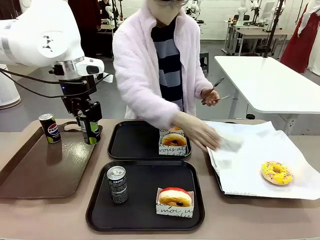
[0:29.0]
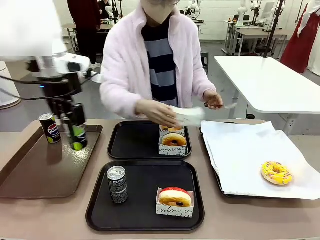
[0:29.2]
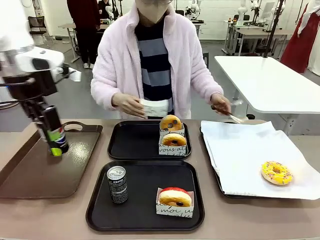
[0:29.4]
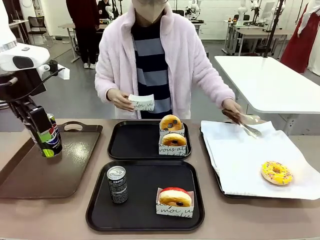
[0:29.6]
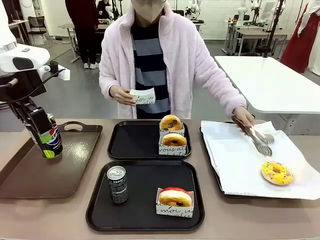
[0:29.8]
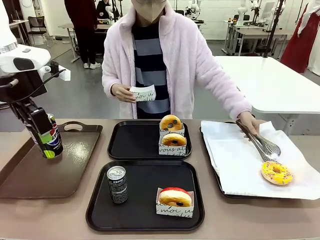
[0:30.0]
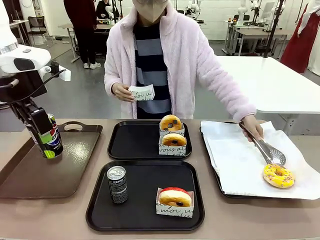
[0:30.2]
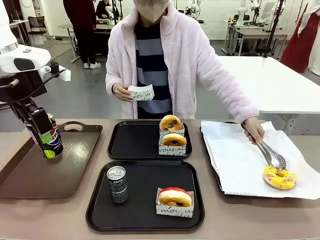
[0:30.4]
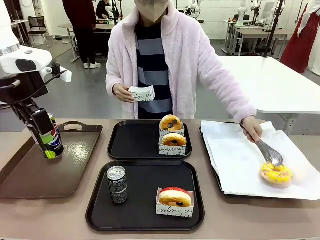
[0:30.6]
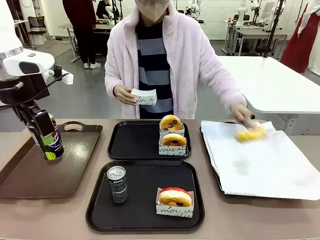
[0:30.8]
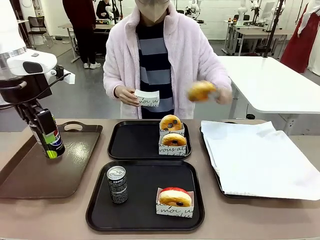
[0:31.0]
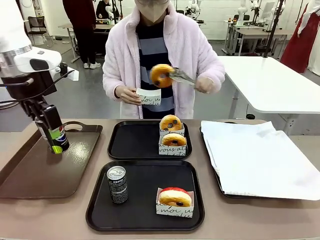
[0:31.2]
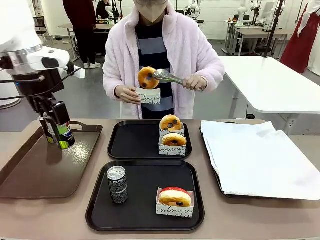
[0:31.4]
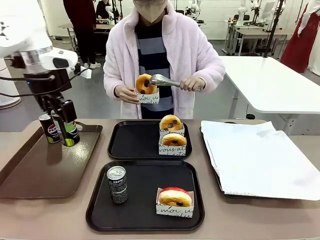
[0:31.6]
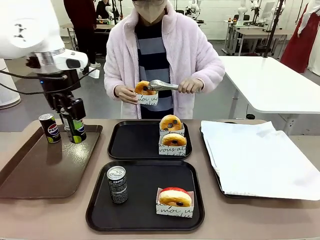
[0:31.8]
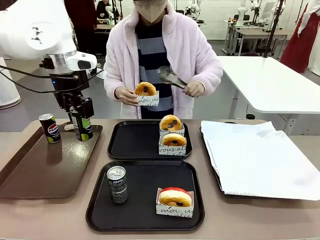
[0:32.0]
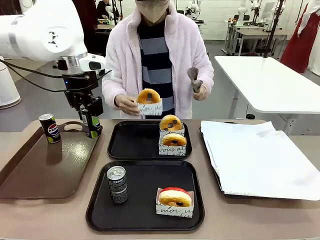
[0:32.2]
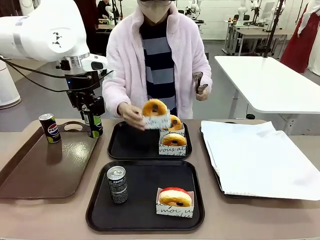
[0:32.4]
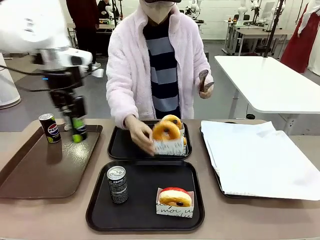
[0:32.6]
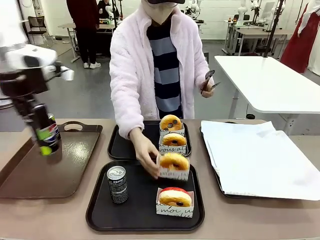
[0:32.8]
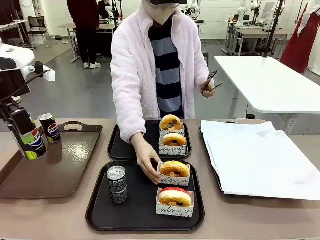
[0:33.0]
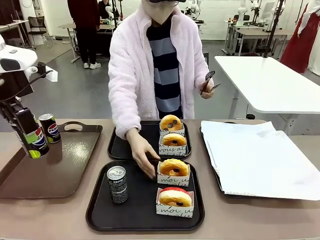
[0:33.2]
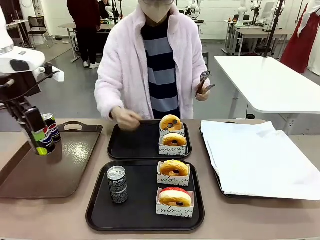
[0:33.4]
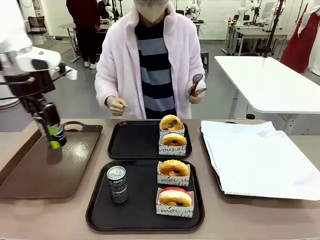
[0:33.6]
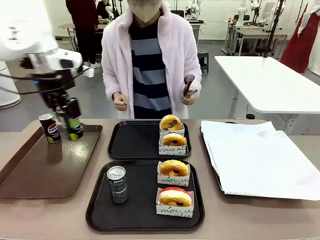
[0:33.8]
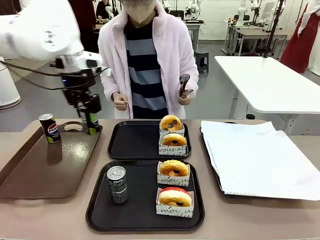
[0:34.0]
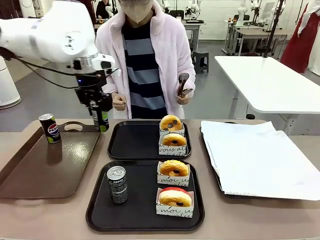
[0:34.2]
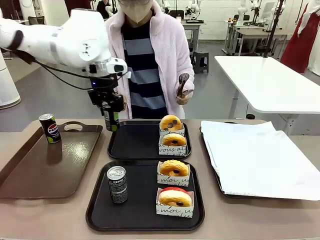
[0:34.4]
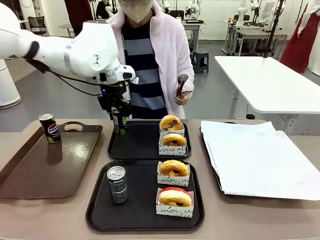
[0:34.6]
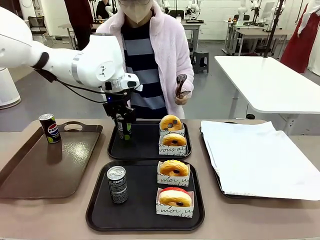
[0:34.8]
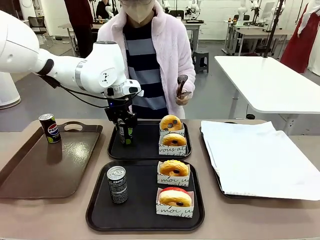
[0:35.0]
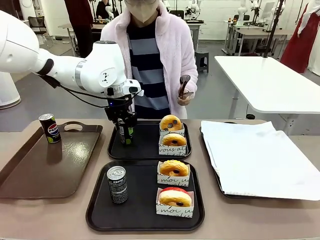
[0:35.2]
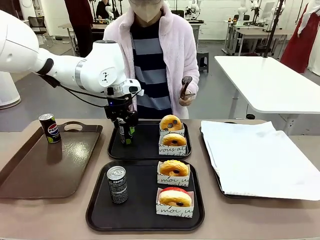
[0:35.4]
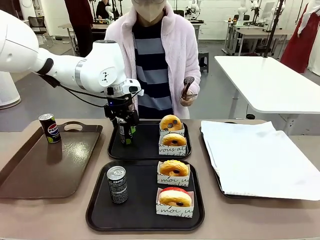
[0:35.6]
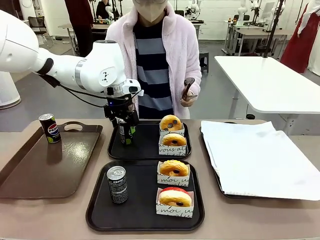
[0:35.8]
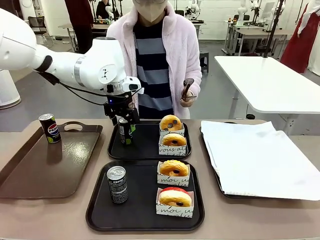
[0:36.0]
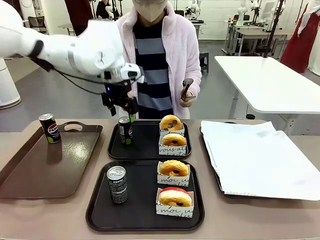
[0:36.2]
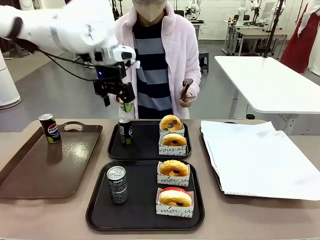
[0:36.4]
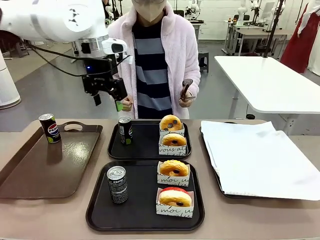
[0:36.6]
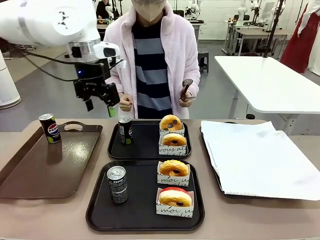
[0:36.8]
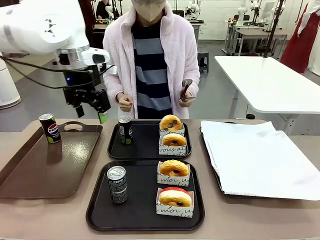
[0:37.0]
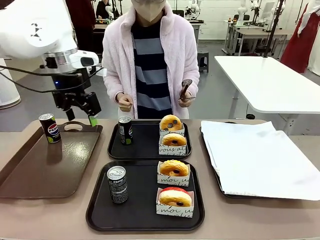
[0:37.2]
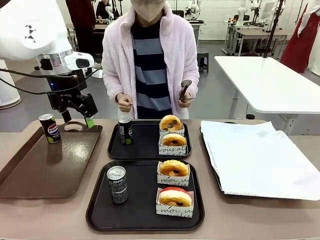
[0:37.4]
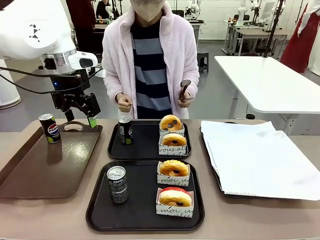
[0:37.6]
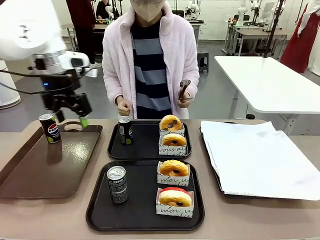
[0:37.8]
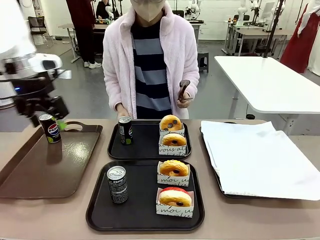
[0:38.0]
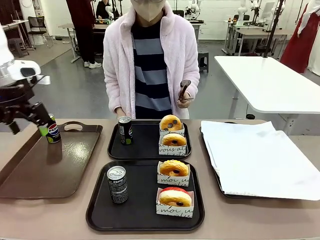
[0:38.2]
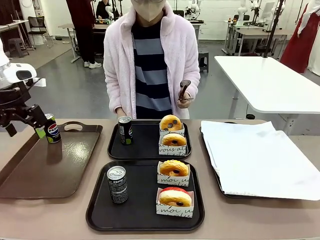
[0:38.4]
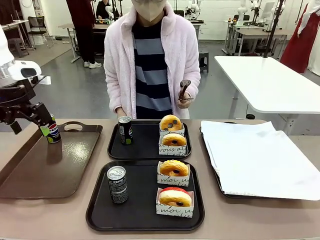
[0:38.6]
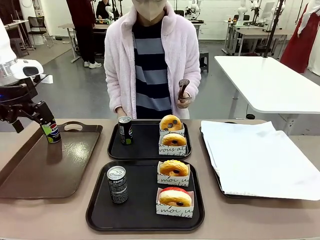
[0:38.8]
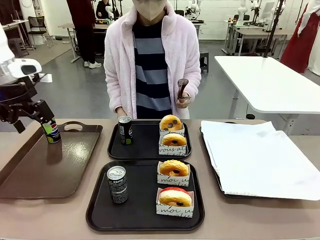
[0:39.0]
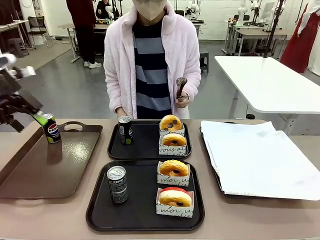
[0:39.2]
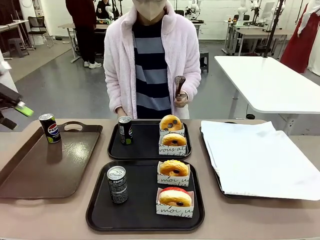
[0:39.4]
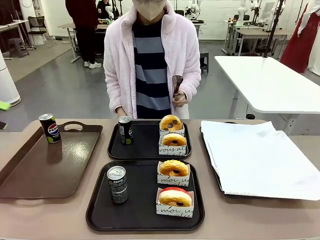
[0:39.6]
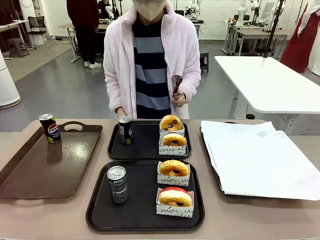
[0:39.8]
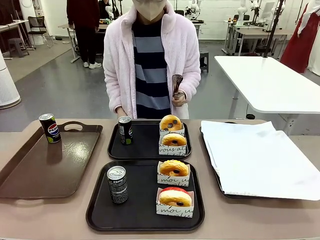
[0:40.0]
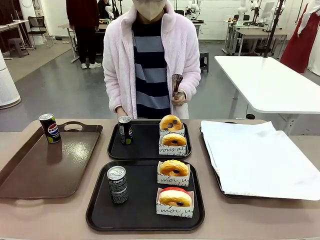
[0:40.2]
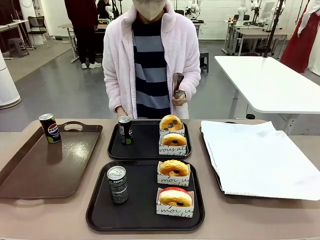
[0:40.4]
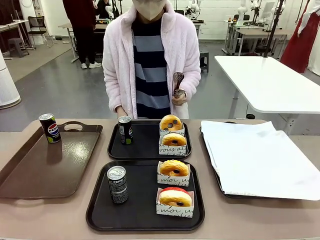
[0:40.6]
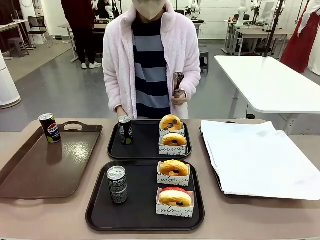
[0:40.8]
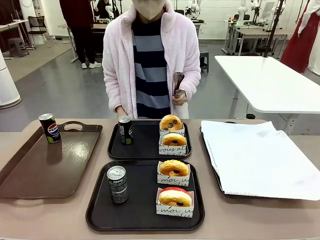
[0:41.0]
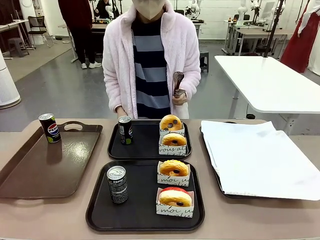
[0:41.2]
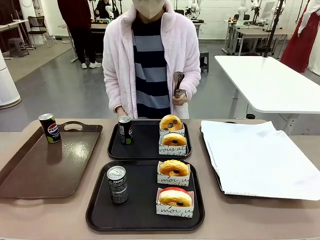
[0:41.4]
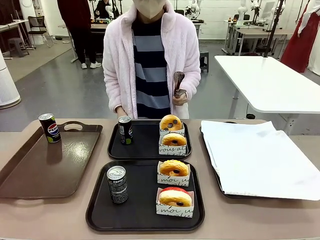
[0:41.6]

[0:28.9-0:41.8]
Task: Set up donuts and drinks on trays.
Robot: Pick up one Pepsi coke from the Handle tray and place it on the Flat Tray without a Pepsi coke.
